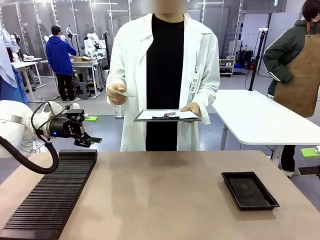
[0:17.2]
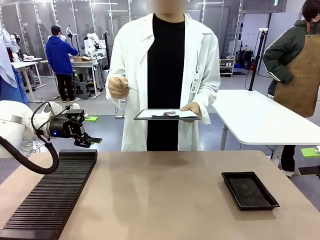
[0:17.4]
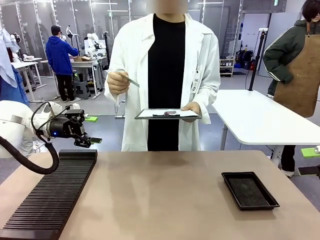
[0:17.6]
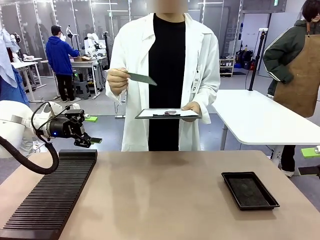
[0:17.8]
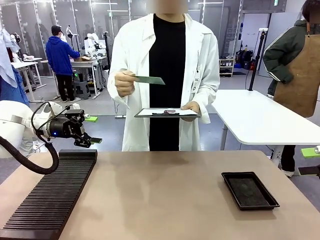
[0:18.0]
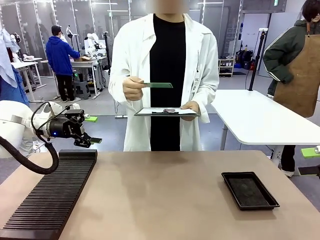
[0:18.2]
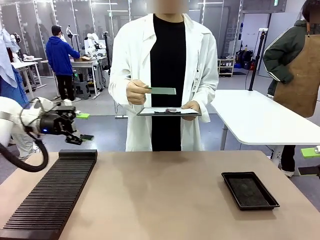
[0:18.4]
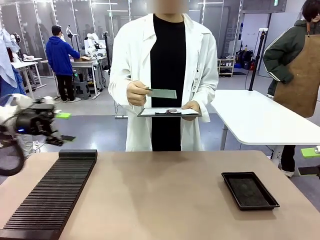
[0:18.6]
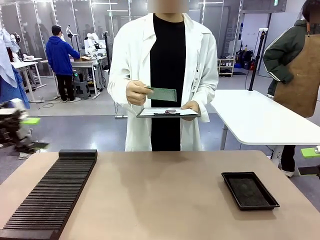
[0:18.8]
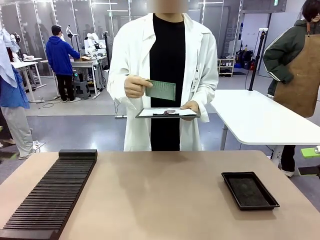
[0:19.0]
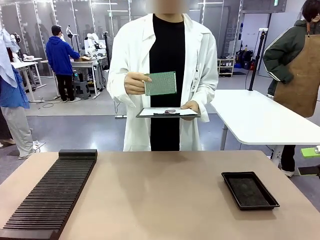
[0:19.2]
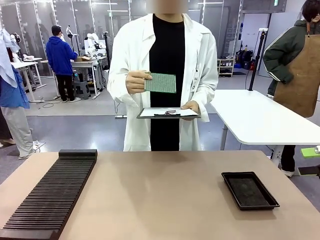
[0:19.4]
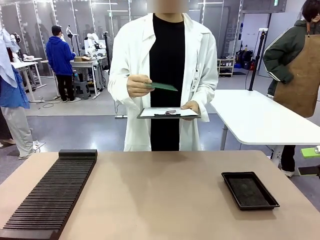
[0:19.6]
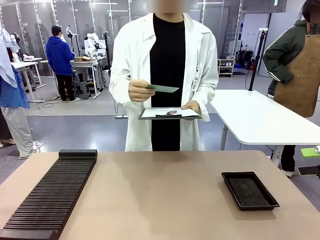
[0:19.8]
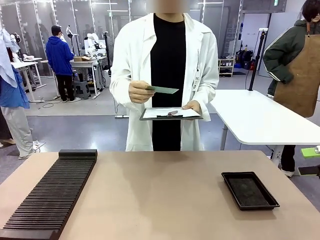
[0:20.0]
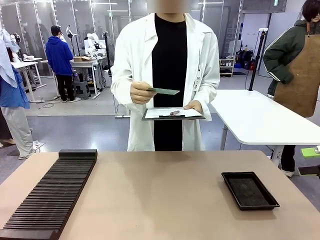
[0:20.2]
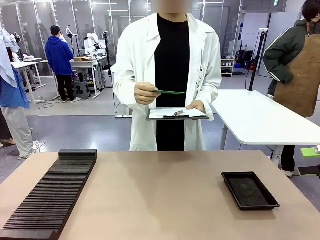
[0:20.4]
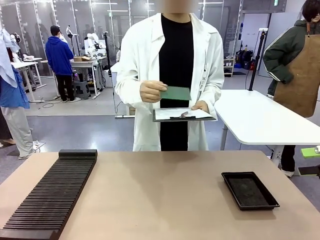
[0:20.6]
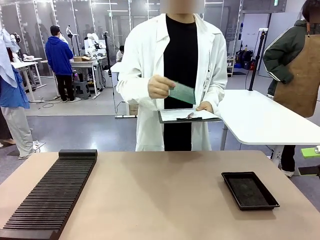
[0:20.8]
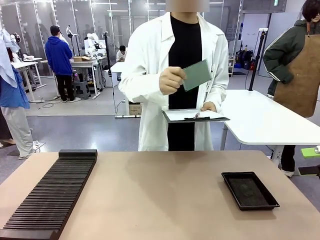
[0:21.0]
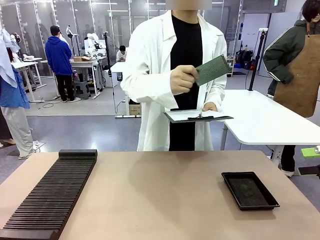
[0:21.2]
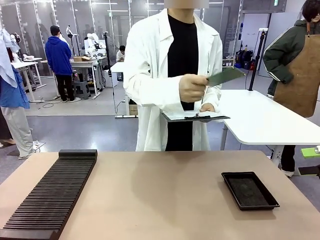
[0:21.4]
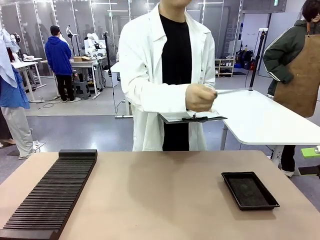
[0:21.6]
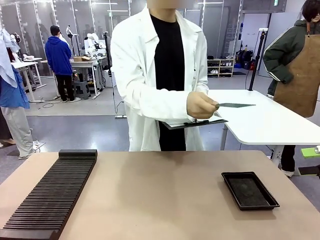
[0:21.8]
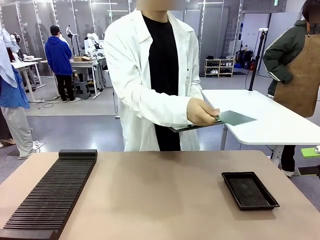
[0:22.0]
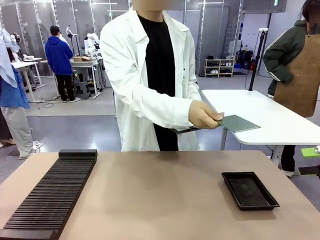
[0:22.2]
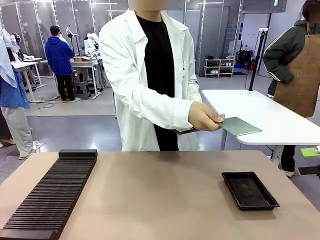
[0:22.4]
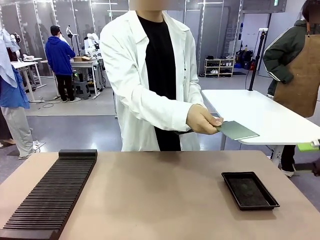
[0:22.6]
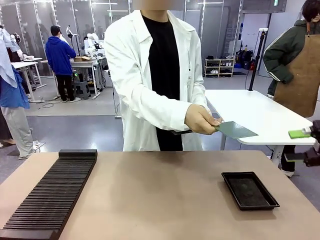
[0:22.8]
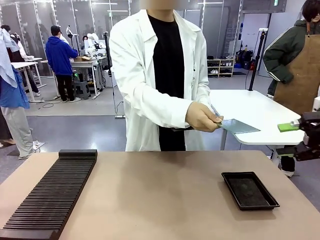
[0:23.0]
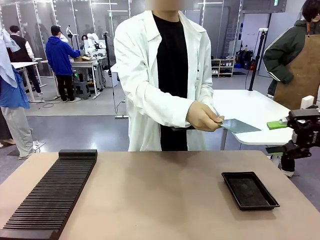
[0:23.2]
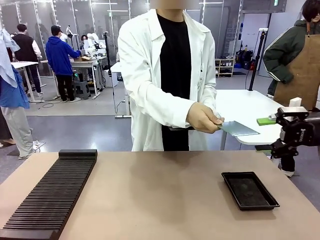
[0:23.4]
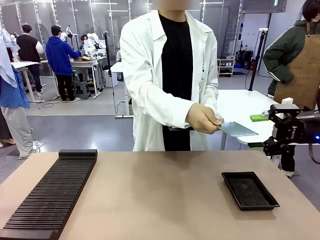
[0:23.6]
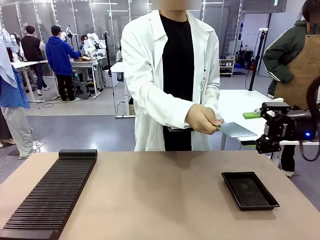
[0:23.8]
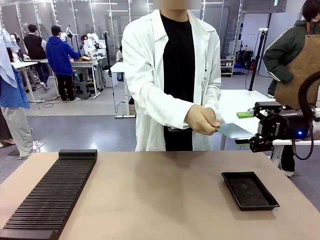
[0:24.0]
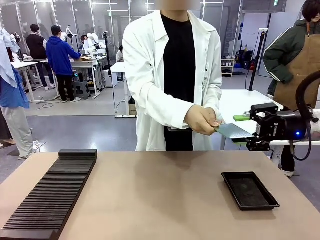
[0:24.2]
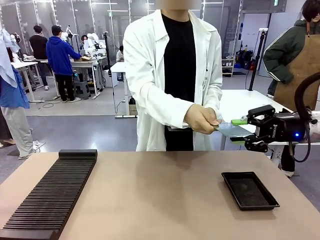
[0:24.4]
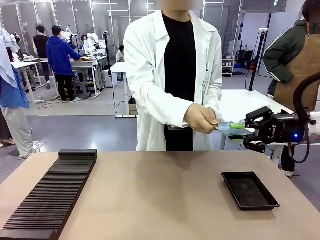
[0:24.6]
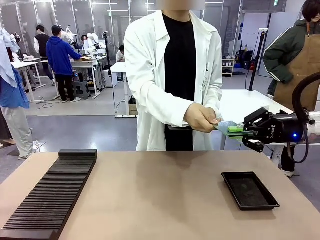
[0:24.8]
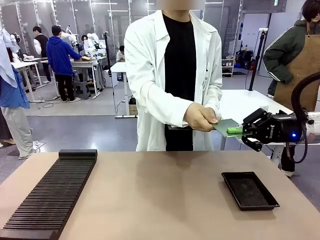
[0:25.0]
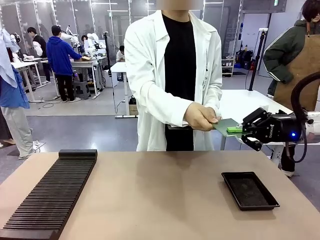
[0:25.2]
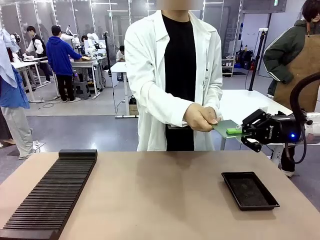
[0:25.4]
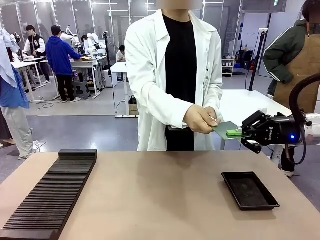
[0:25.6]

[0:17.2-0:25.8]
Task: Inspect the PCB.
Robot: Pick up the Blank PCB that the human is holding.
Person: Inspect the PCB placed by the robot, then hold it out in front of the robot. Release the PCB you were holding.

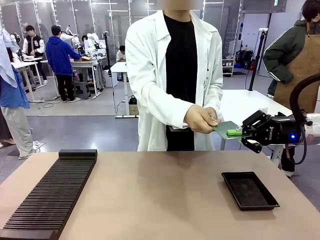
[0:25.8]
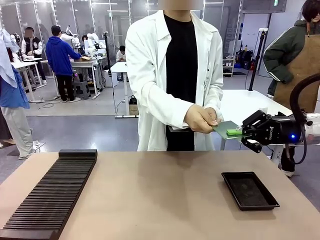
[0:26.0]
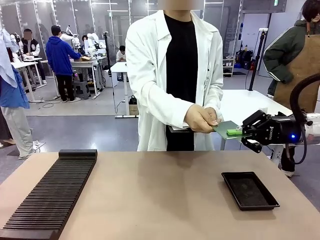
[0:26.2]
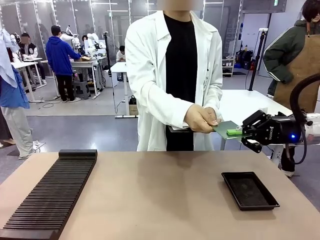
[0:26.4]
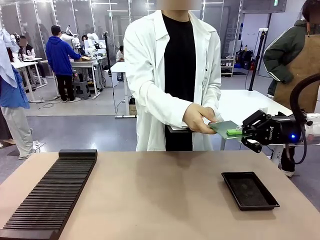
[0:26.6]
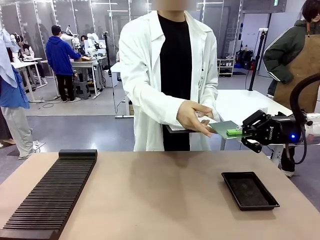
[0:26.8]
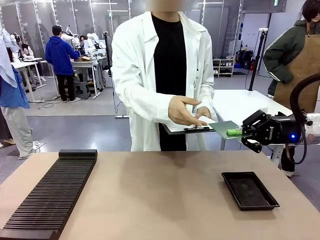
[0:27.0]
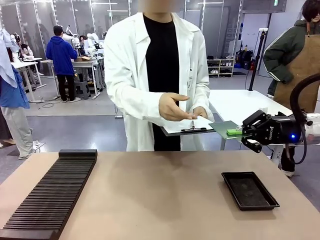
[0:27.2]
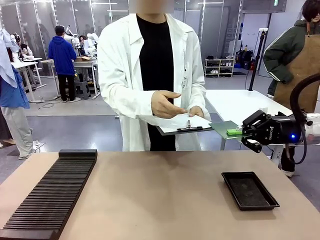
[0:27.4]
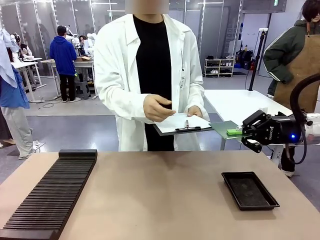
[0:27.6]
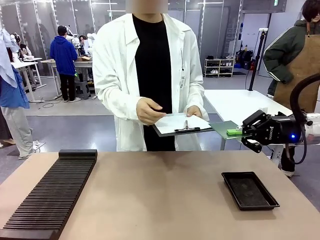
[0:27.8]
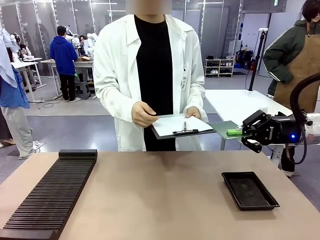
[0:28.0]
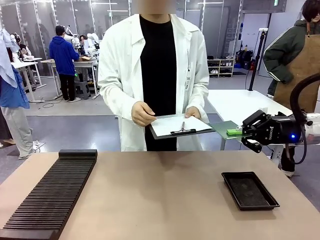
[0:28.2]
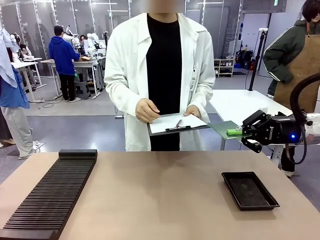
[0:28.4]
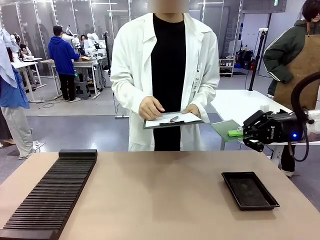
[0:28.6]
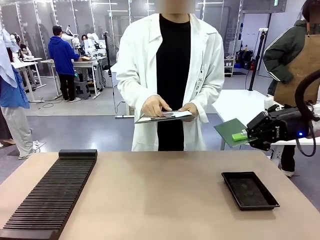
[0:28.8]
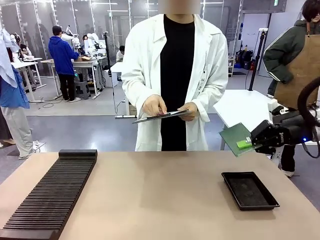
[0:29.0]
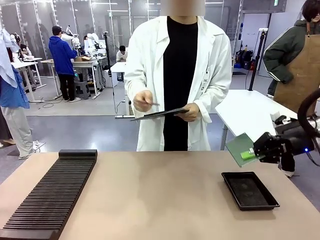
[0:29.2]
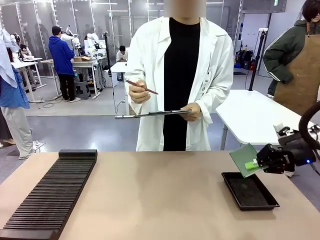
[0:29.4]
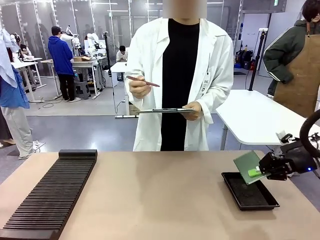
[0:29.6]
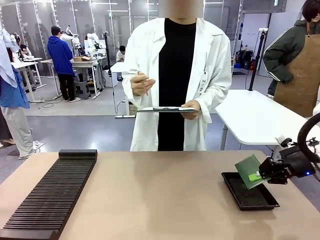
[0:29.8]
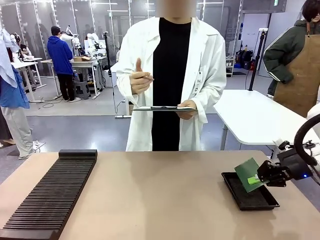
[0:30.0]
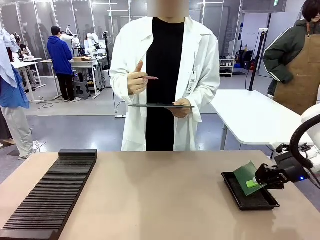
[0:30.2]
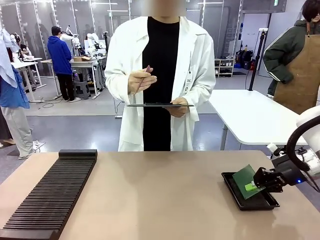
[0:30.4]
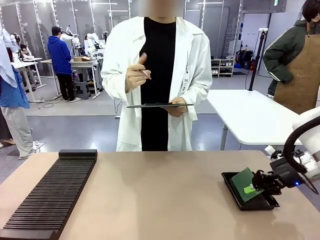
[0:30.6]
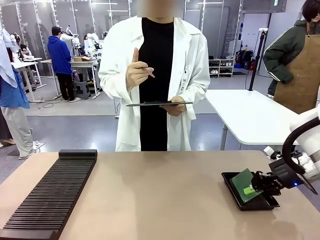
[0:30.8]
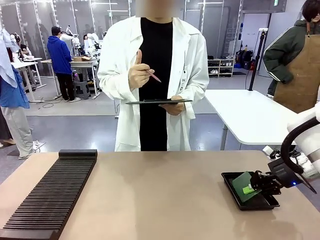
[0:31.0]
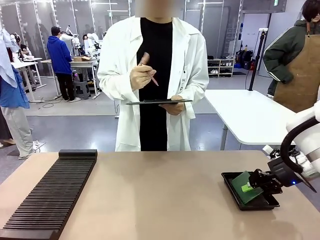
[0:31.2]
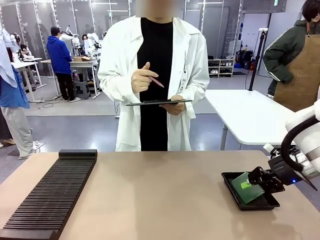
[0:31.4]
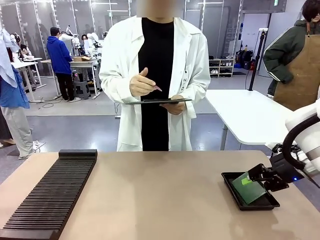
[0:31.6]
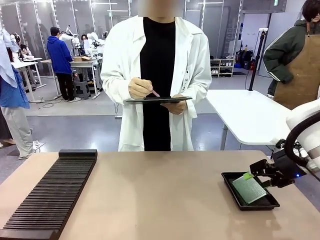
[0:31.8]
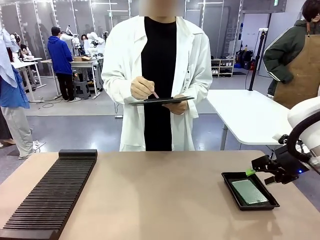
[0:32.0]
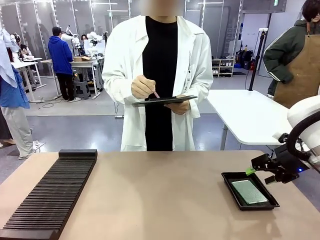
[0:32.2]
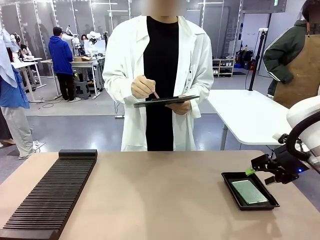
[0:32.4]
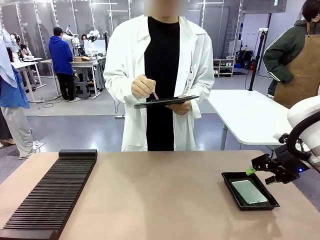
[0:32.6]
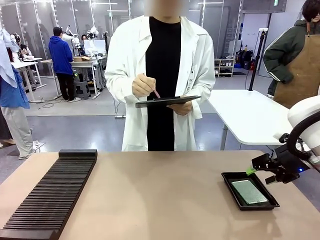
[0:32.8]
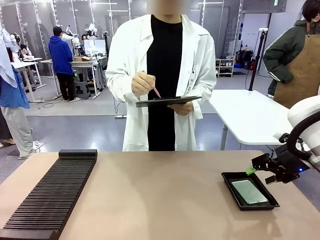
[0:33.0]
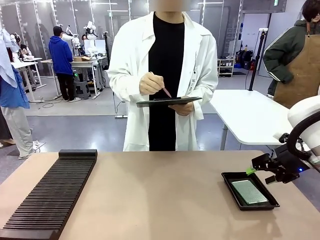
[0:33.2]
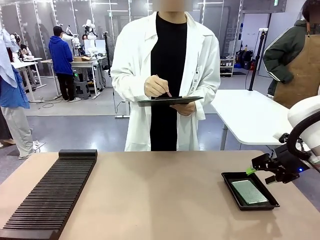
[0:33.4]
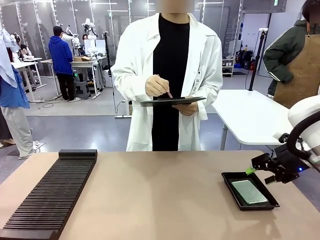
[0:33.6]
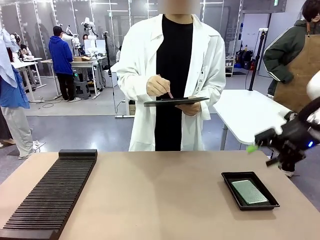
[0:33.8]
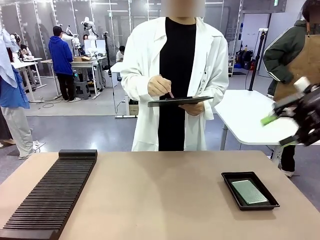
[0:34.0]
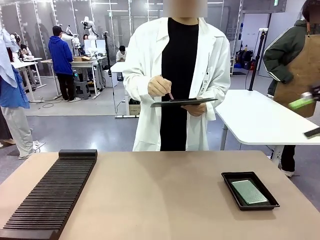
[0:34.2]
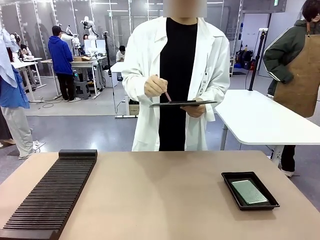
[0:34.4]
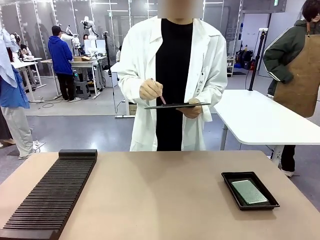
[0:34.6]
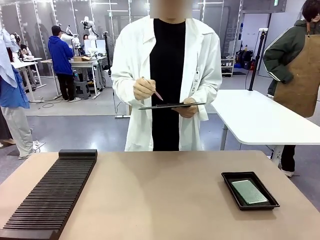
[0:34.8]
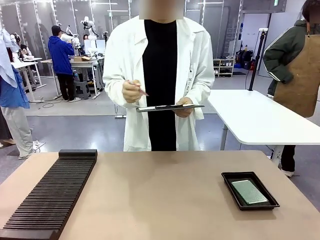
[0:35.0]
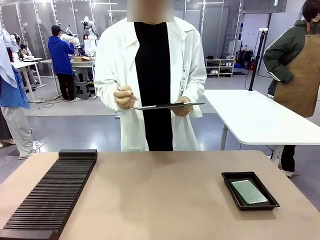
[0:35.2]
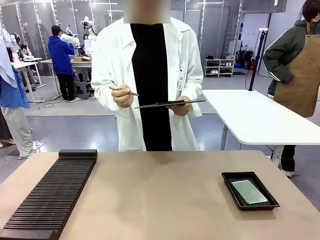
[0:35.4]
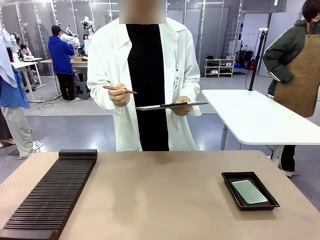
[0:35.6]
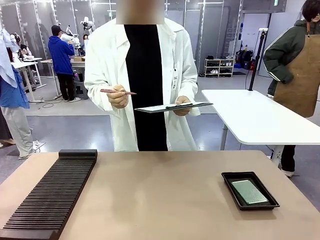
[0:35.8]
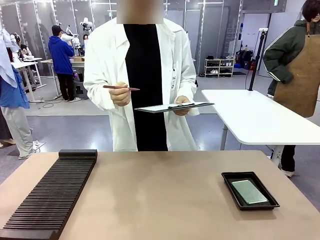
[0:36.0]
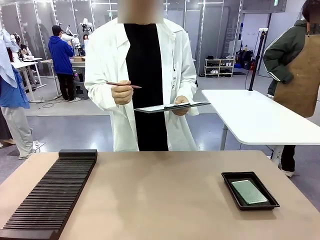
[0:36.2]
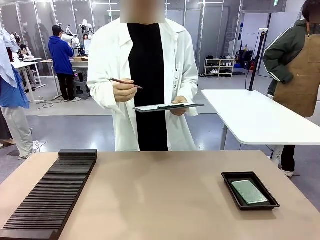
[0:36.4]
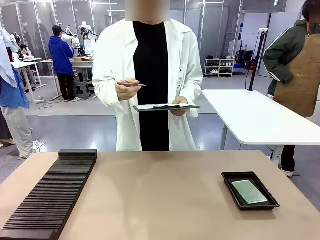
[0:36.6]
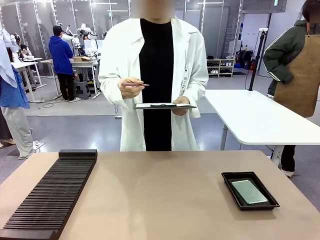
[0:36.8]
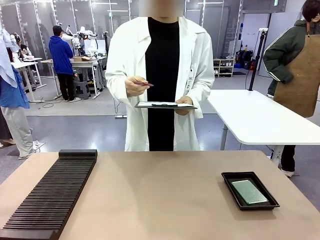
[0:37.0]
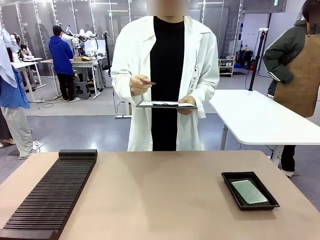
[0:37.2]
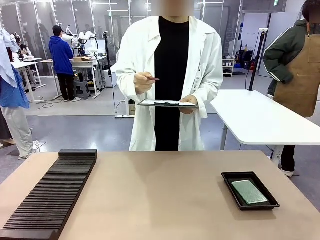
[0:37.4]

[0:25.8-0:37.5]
Robot: Place the Blank PCB in the ESD tray.
Person: Record the PCB status on the paper.
